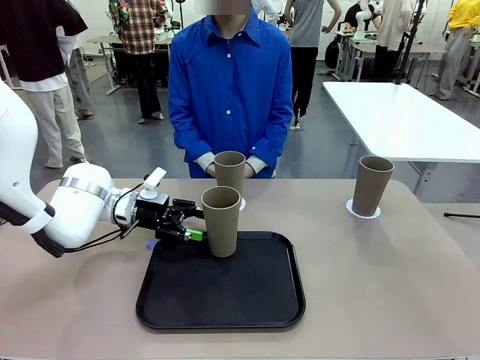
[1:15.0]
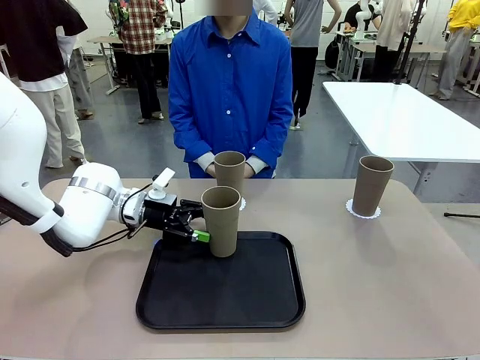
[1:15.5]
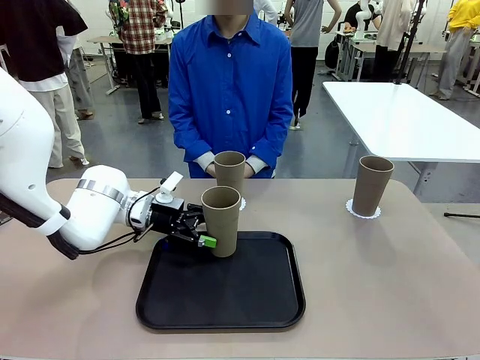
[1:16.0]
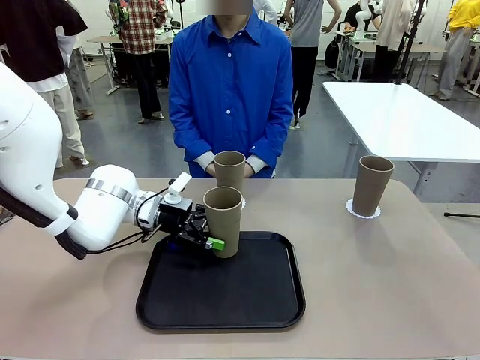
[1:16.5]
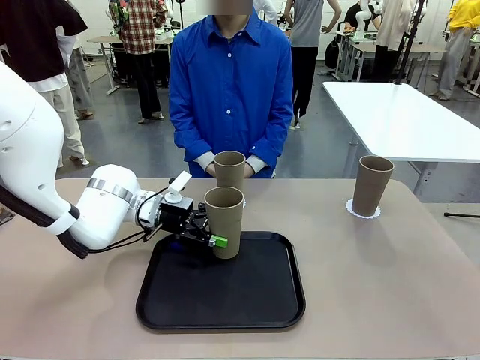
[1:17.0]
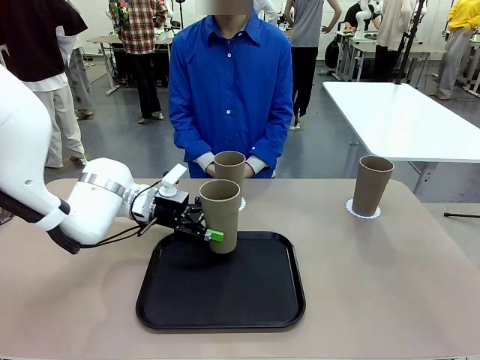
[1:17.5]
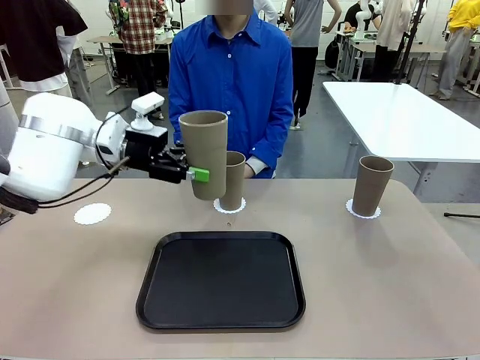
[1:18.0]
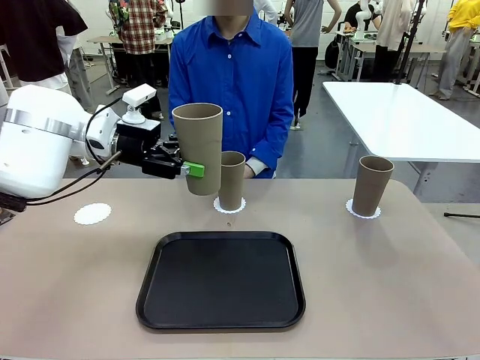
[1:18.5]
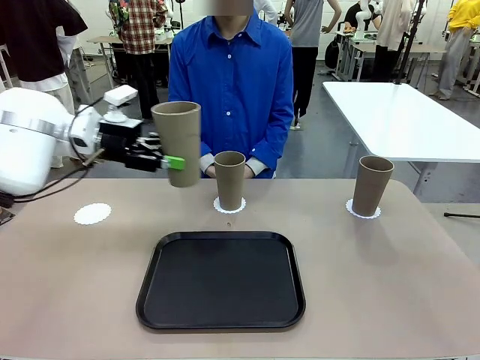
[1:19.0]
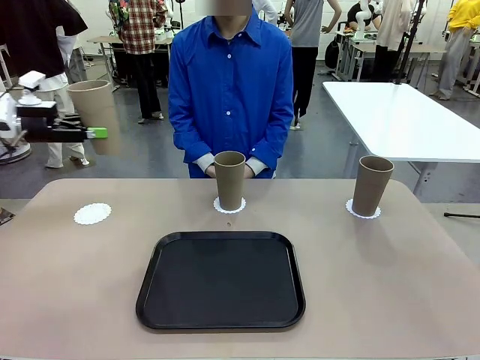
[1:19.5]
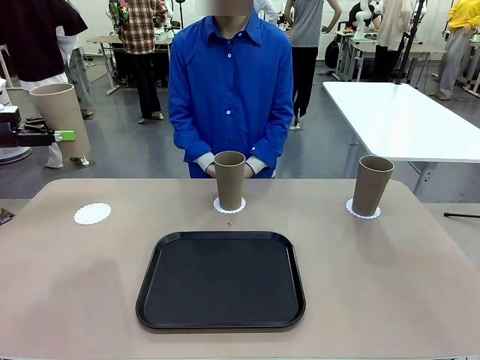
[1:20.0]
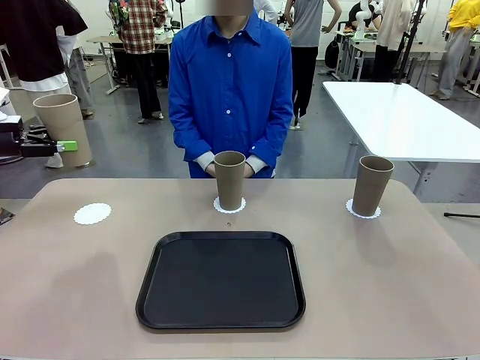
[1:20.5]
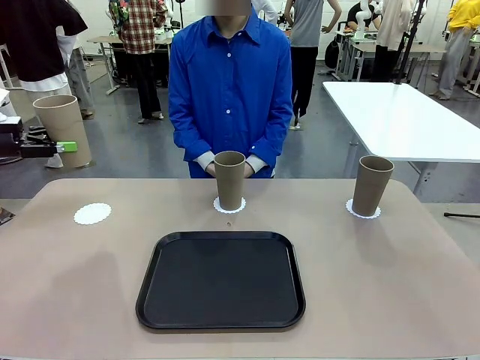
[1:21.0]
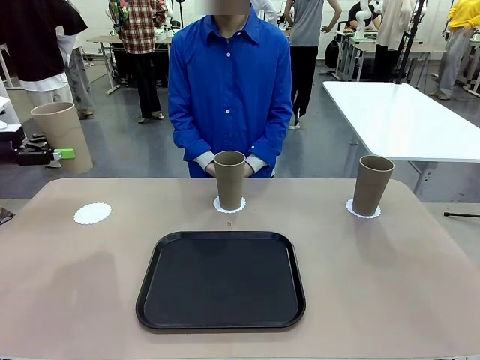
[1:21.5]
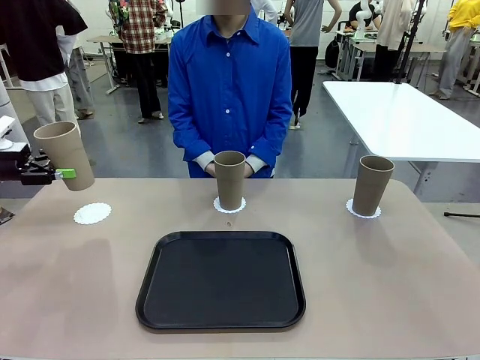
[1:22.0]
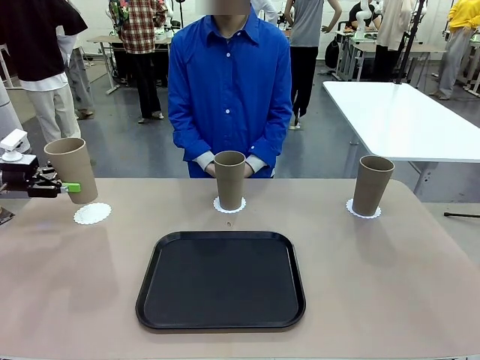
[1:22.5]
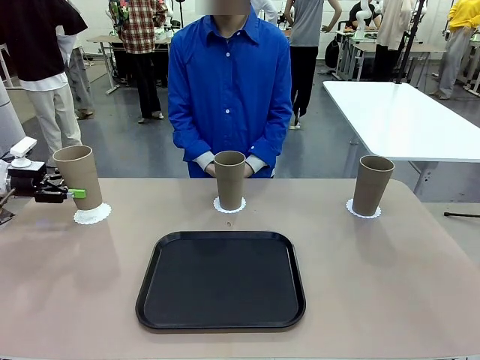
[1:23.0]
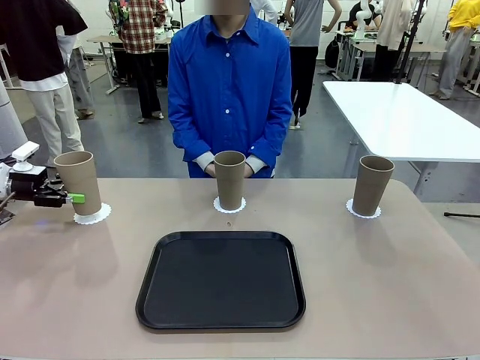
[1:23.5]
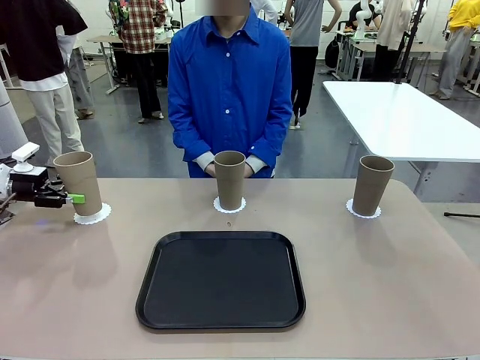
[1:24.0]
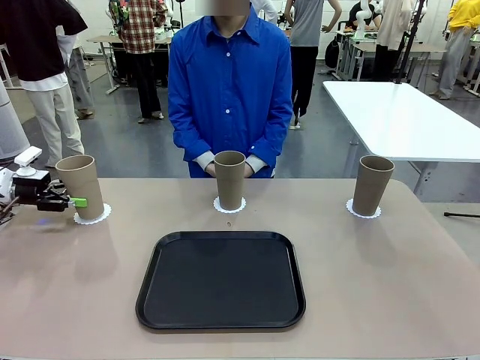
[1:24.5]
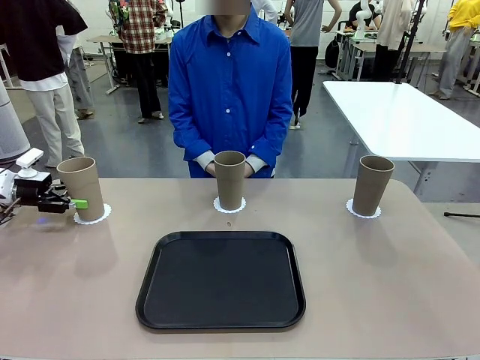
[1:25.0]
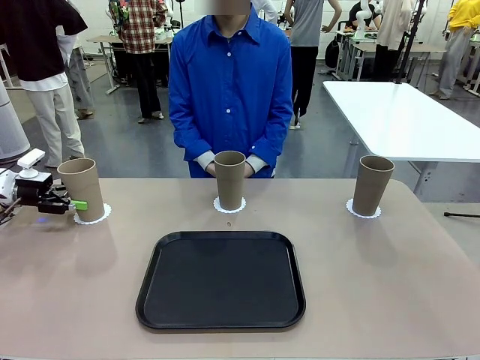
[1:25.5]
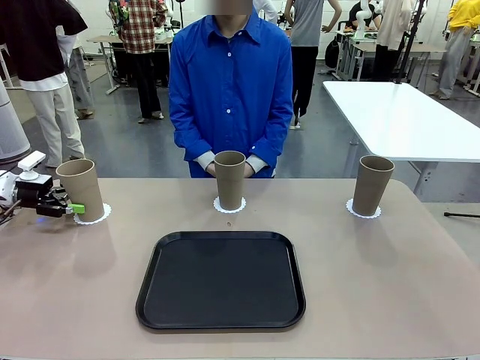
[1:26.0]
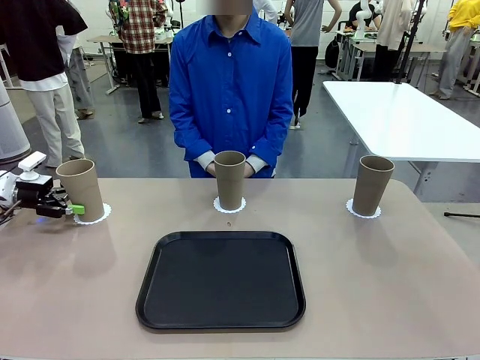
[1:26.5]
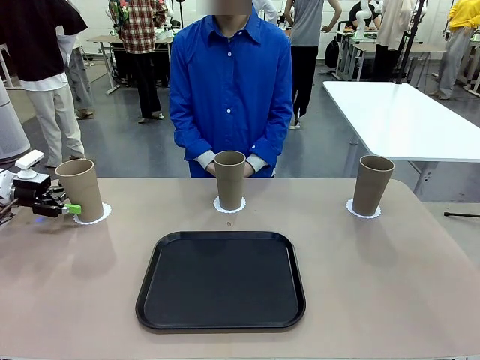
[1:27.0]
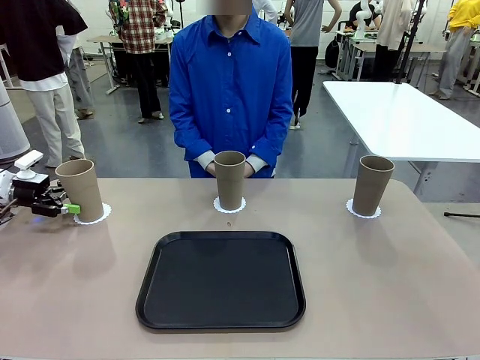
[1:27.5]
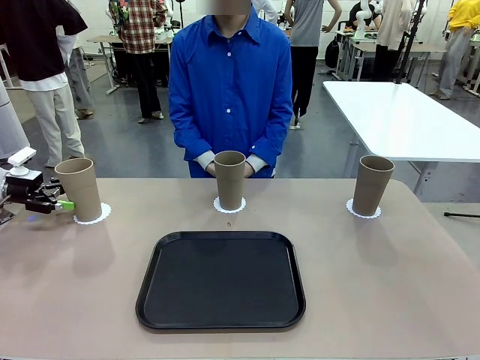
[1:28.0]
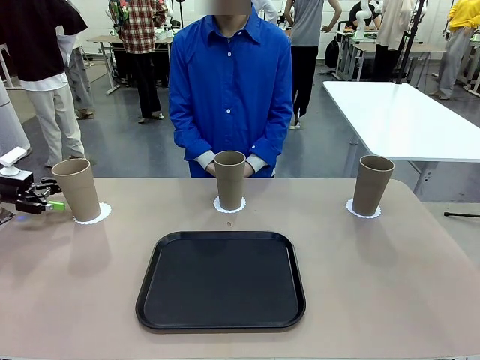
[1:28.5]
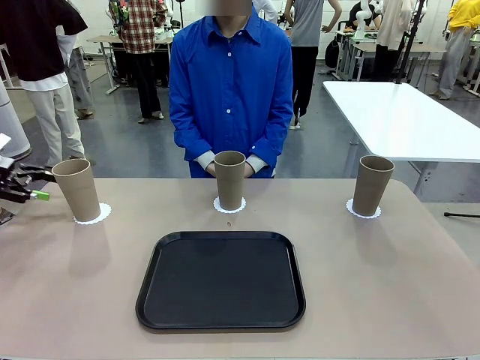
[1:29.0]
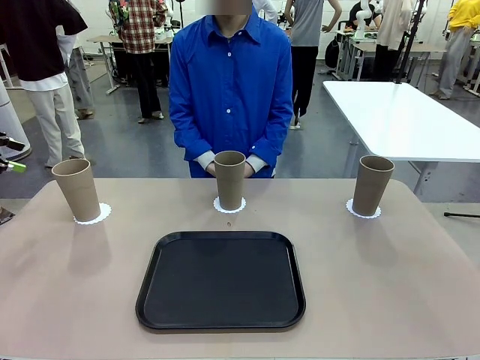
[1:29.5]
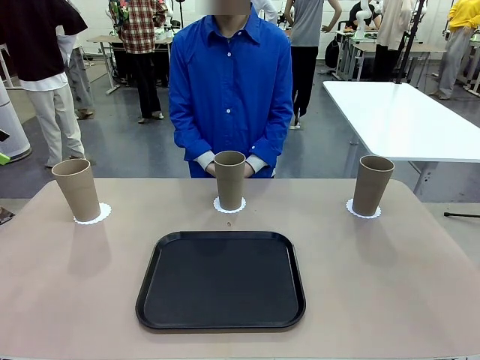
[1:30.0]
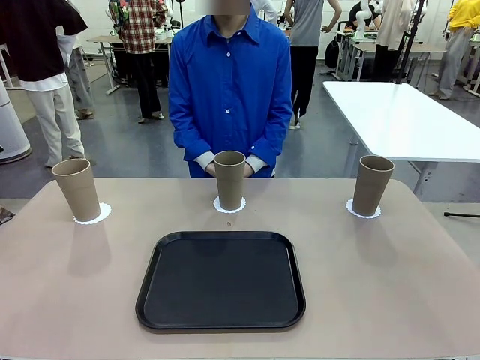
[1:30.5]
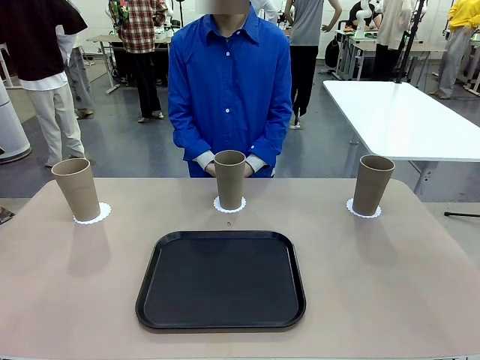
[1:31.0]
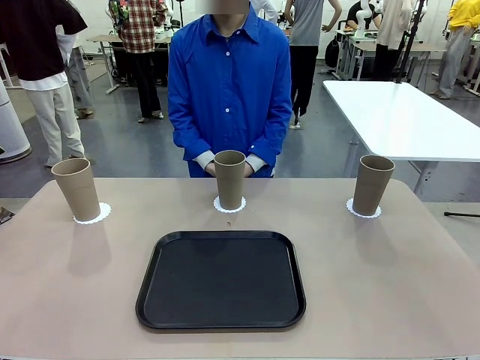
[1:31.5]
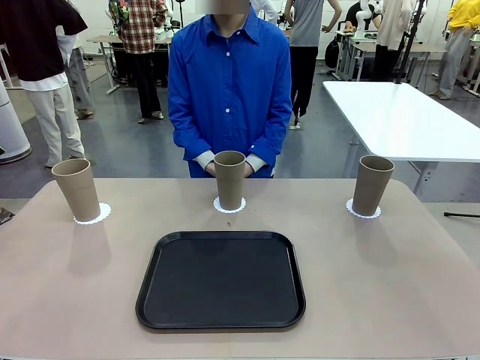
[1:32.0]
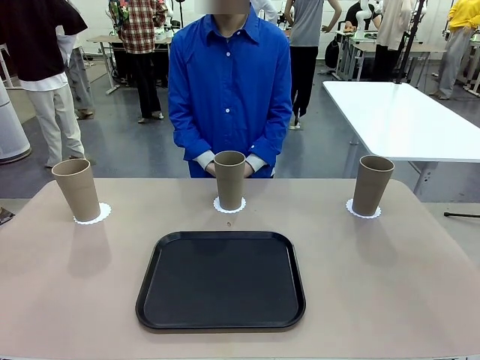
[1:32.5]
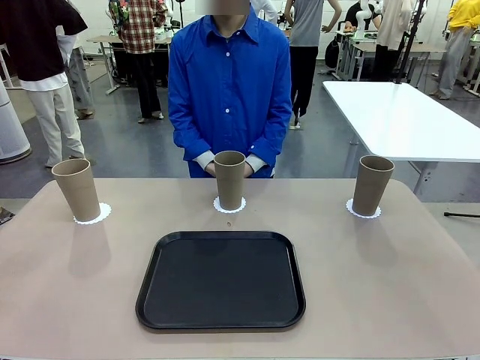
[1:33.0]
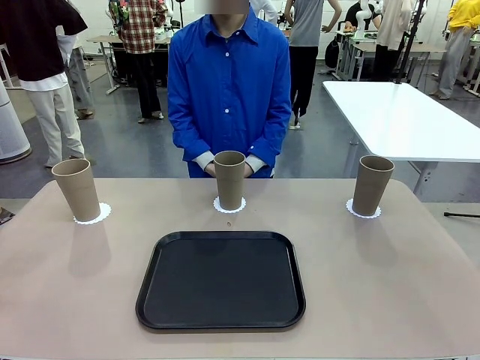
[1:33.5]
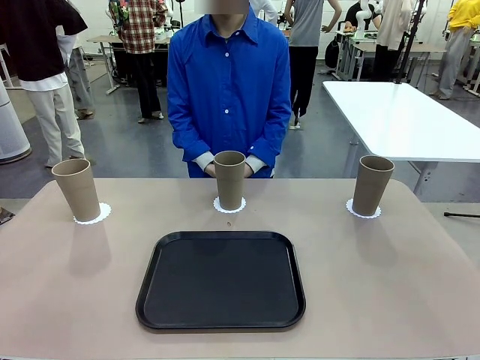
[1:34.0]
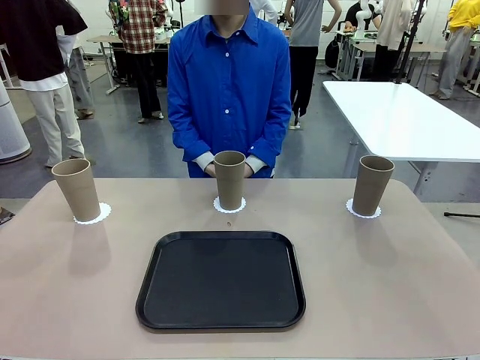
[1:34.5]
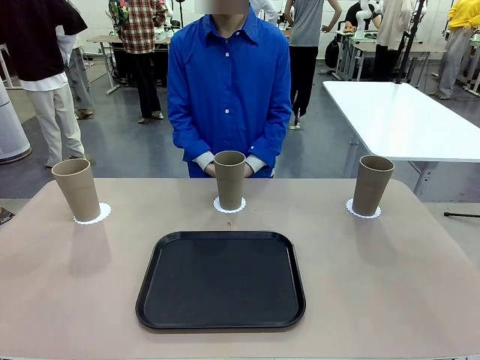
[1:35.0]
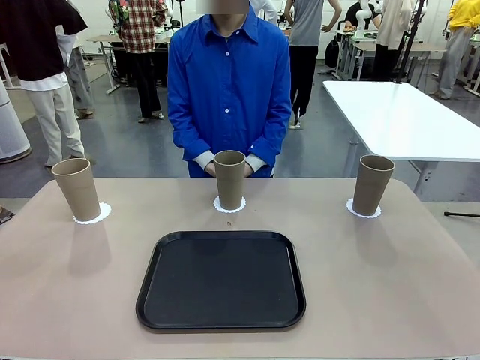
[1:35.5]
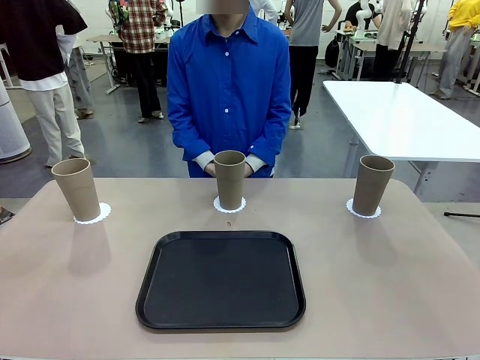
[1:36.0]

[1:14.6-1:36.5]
Task: Place coasters on the table and set cups on them.
Robot: Take one Reusable plastic cup from the Flat Tray and place it on a coaster set by the human.
